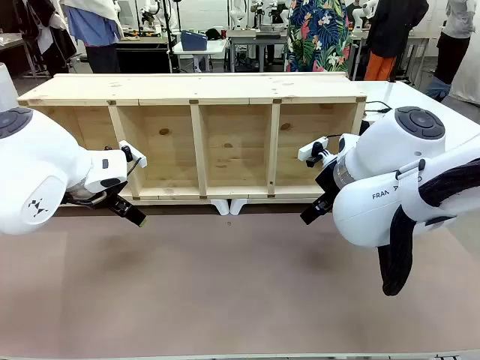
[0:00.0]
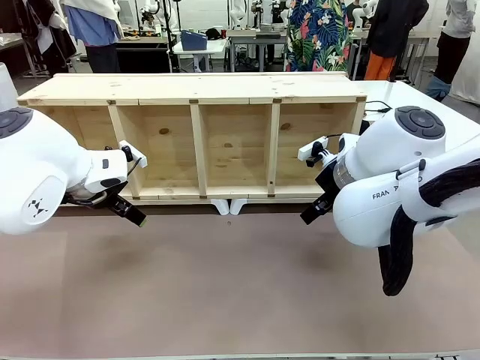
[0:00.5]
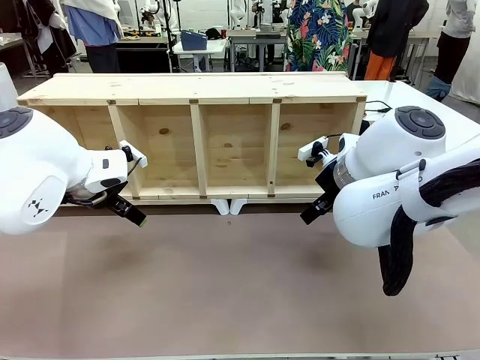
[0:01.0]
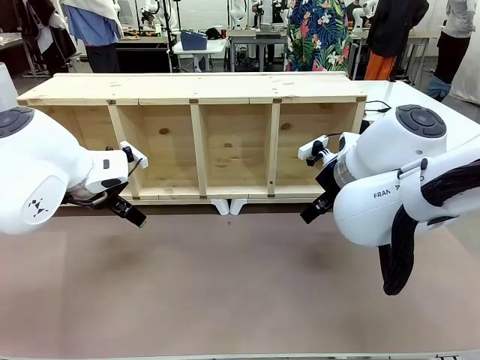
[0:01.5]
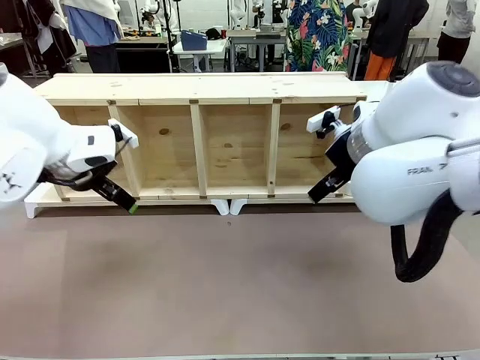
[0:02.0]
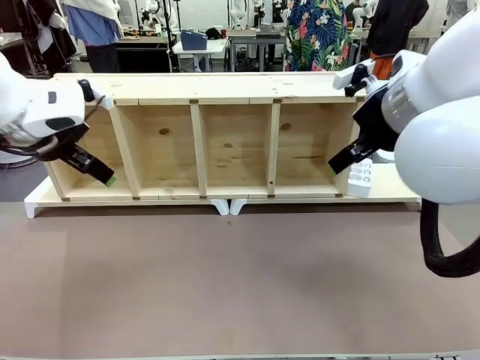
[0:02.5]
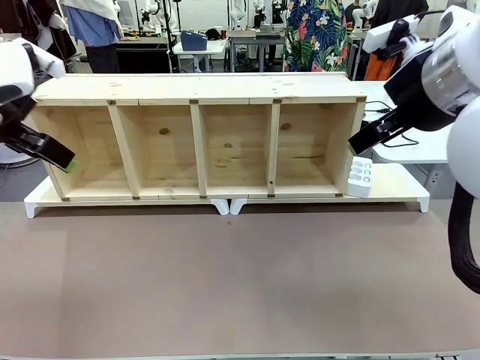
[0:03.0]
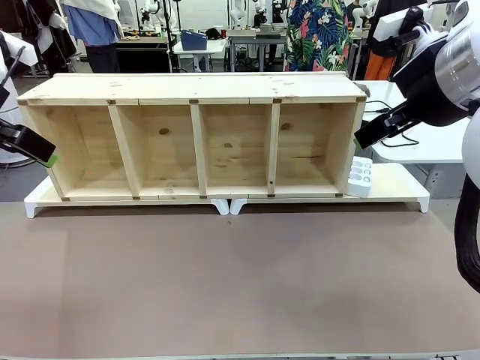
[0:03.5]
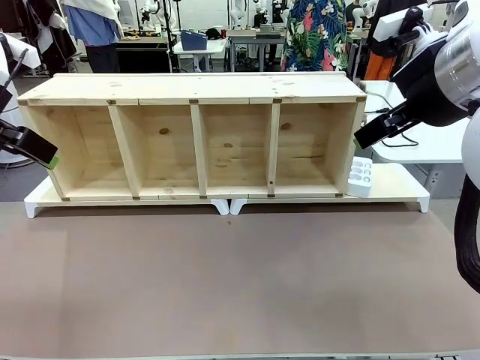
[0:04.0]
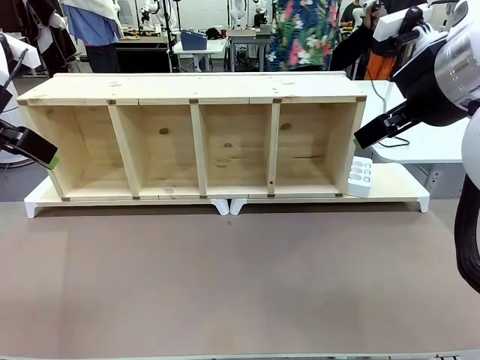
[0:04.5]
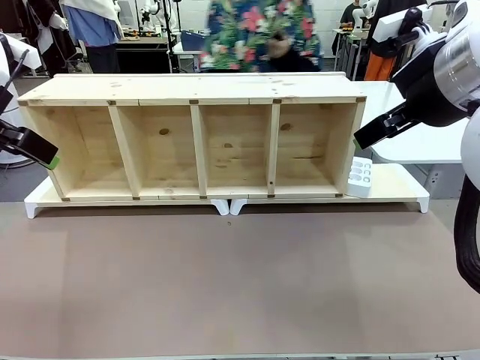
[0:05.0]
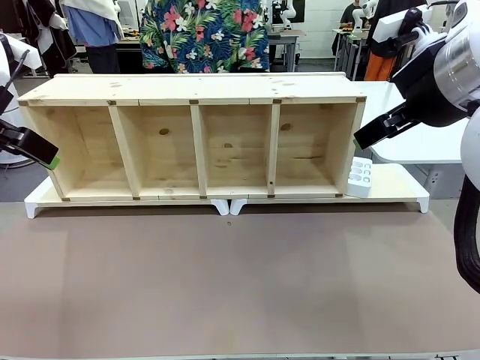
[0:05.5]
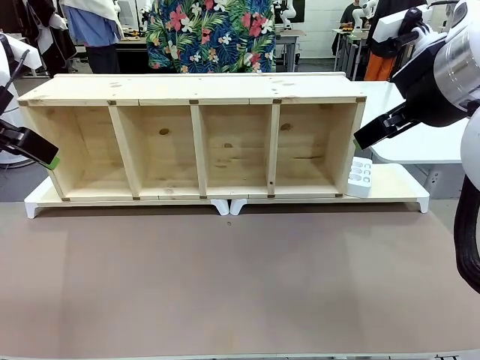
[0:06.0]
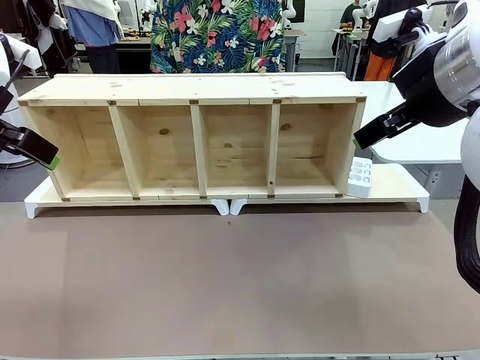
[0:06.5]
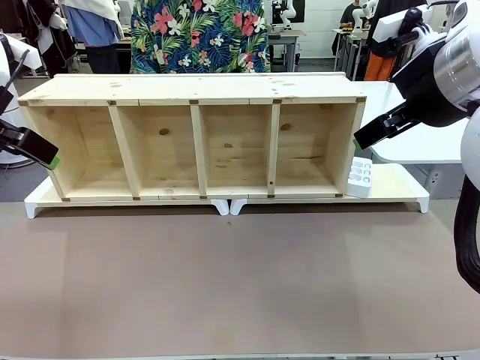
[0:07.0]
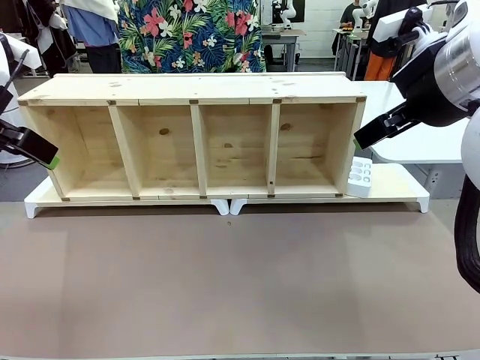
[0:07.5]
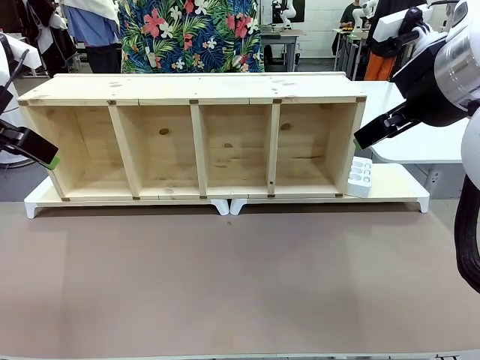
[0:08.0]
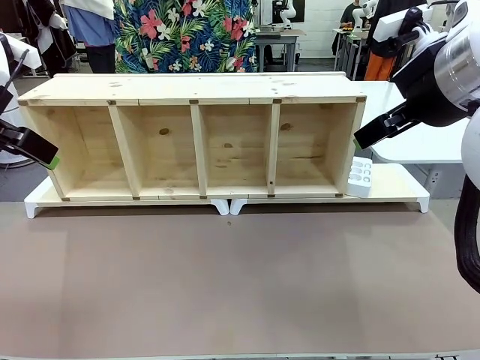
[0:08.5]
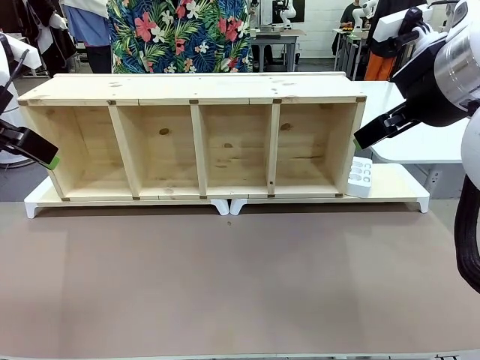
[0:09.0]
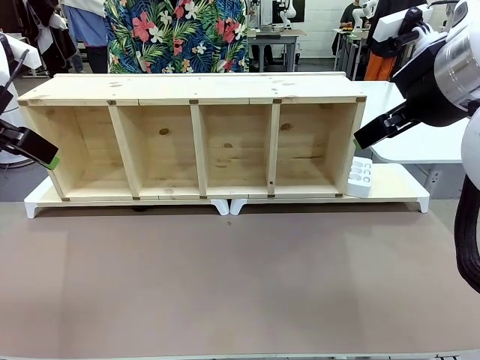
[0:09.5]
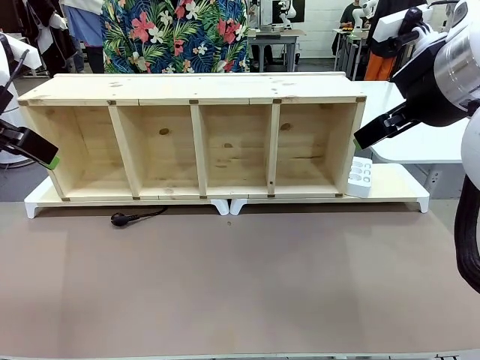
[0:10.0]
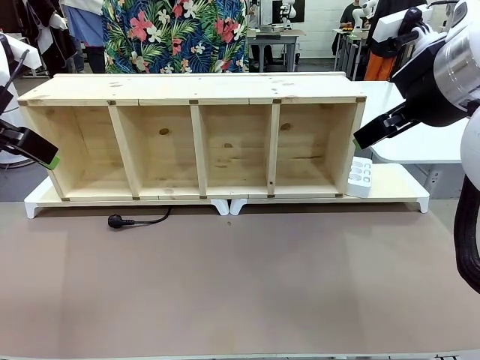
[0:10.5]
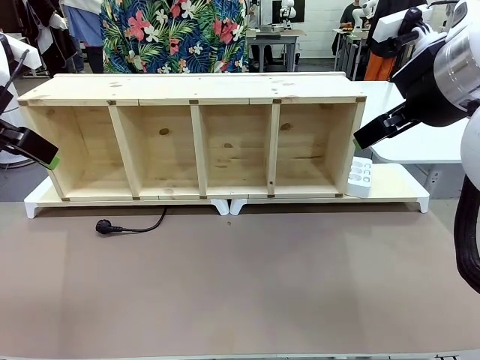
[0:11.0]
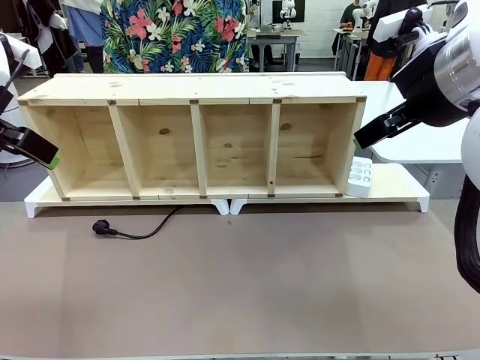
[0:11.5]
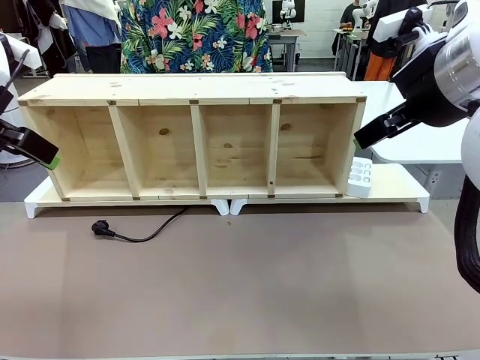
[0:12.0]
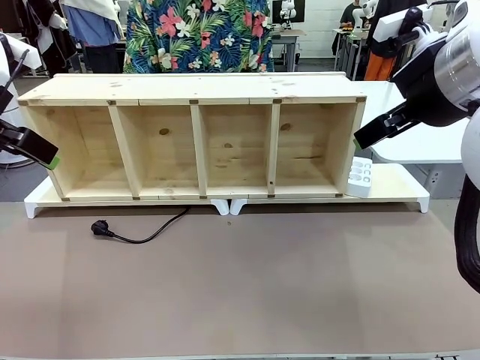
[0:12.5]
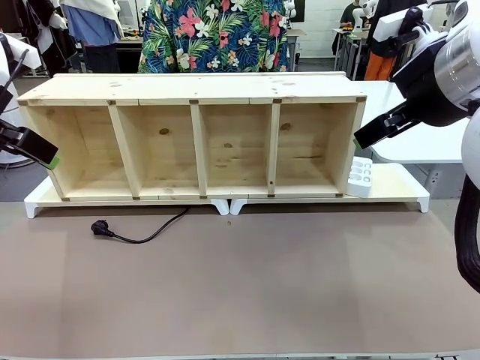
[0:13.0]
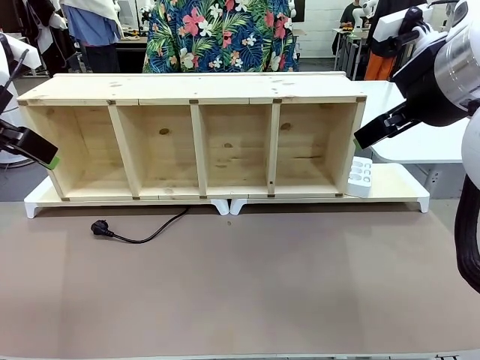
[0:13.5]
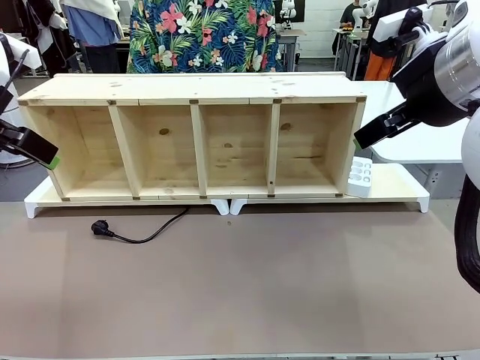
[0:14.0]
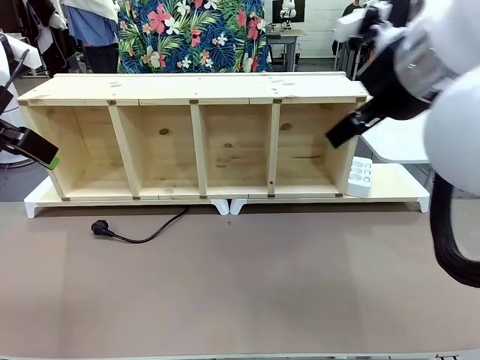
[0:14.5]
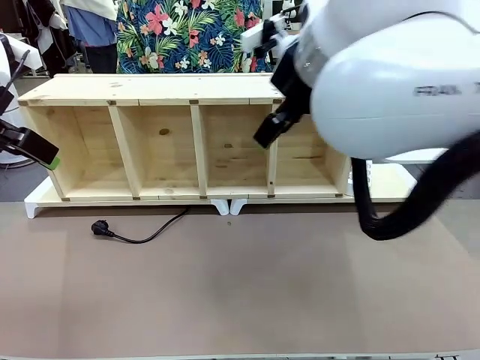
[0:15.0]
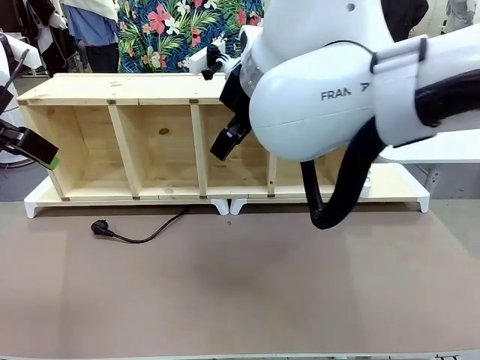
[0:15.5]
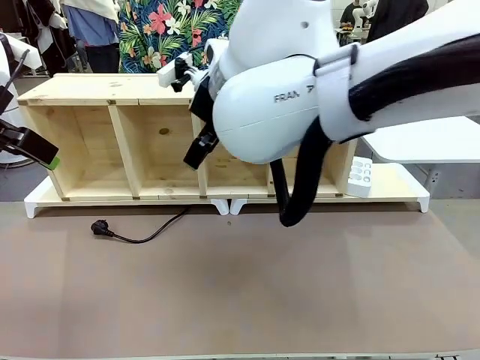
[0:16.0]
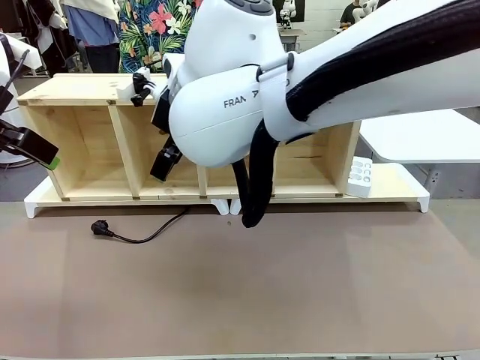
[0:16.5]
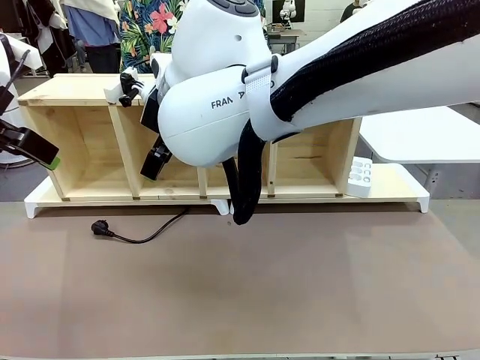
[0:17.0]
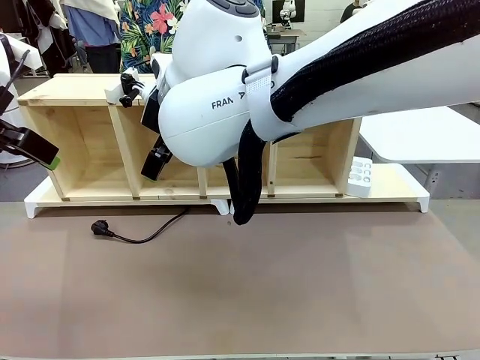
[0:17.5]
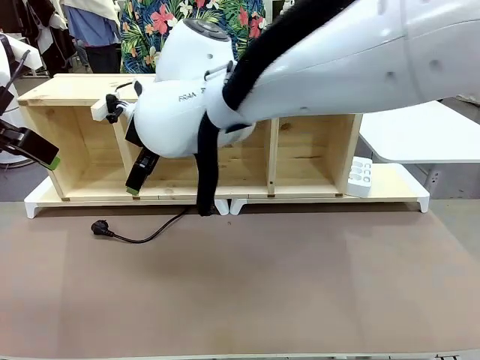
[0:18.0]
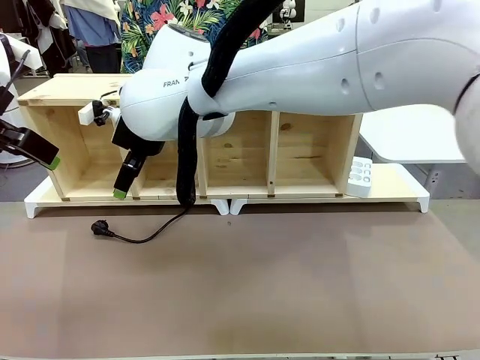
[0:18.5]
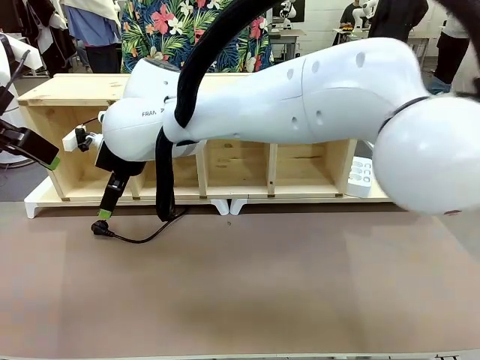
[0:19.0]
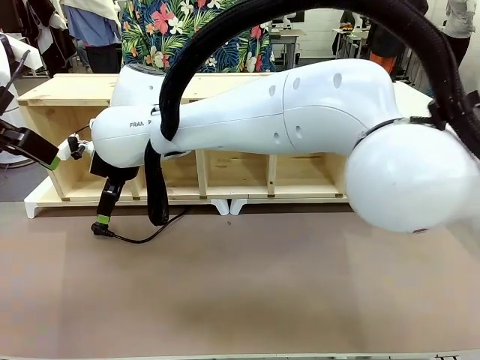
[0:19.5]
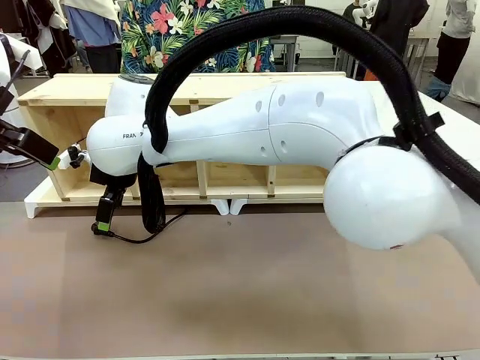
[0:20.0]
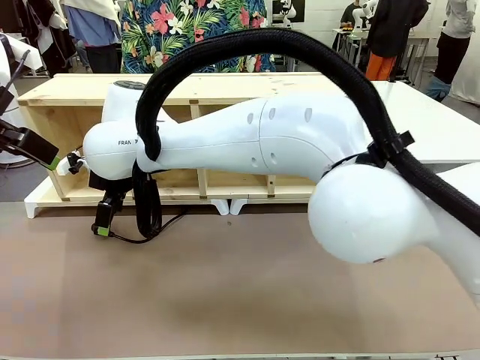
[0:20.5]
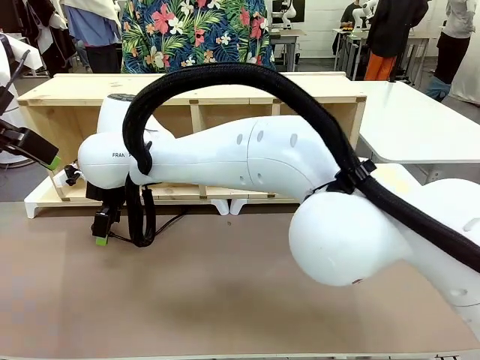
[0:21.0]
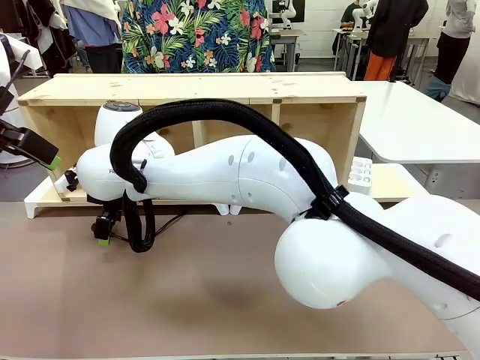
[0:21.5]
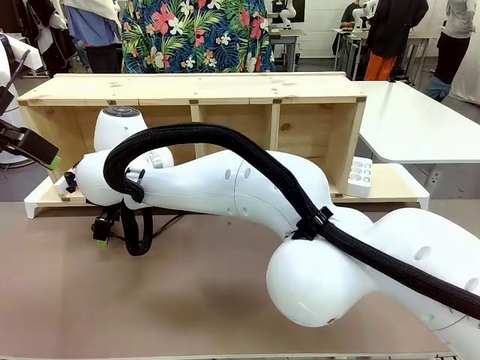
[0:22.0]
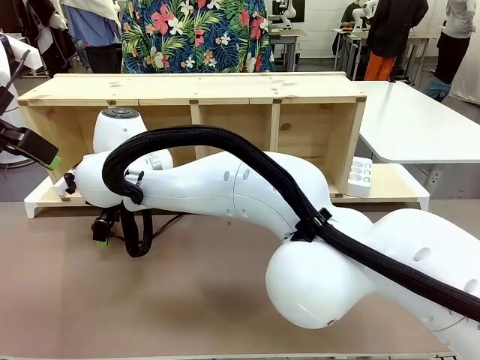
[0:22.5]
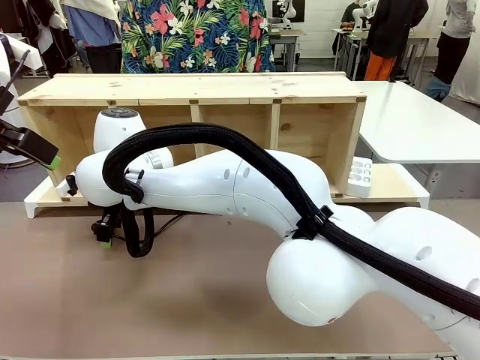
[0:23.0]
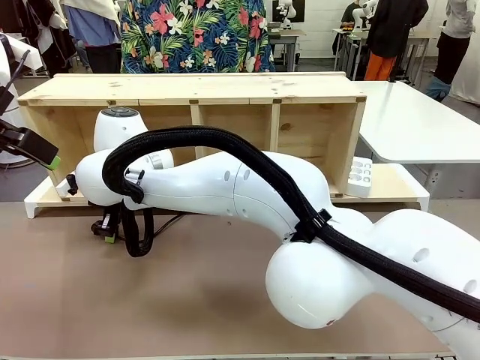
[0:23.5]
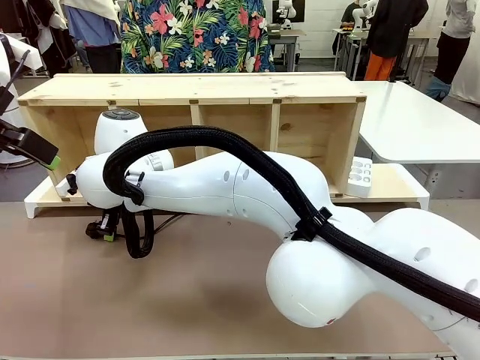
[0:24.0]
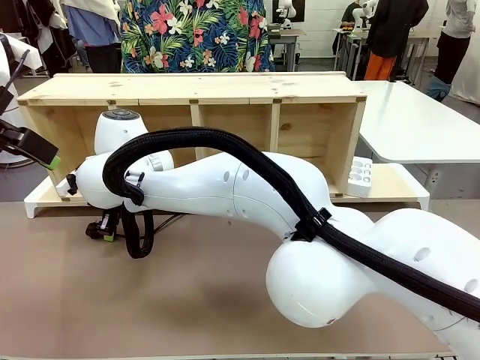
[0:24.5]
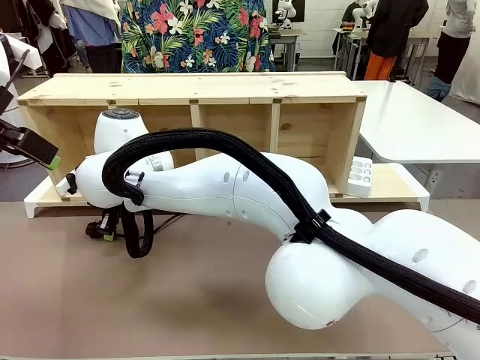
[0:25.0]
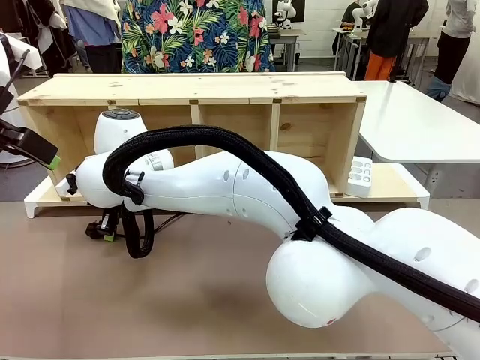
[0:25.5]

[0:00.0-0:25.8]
Task: Perform cable management.
Robot: When the cord part of the Power Cable appears at the lower middle area of the table and stops, grasp the cord part of the Power Cable.
Person: Pass the Power Cable under the Serving Table.
